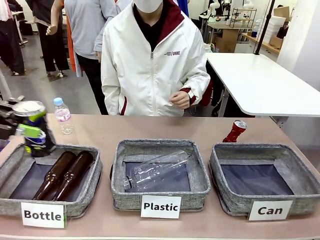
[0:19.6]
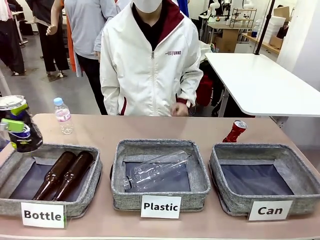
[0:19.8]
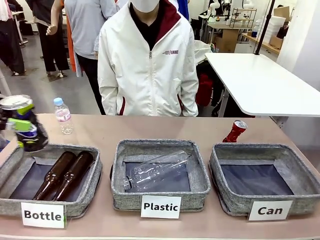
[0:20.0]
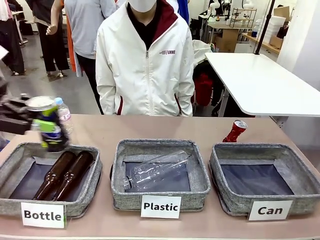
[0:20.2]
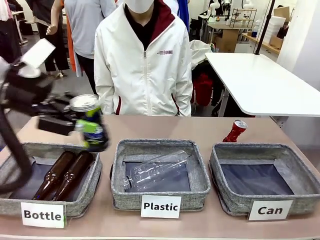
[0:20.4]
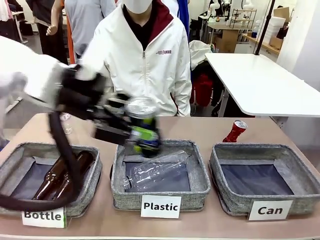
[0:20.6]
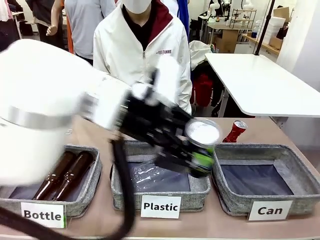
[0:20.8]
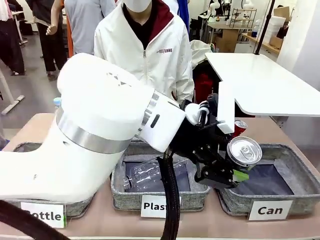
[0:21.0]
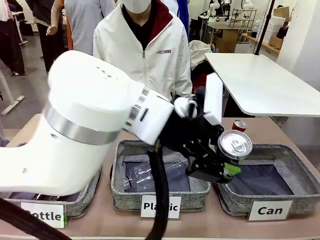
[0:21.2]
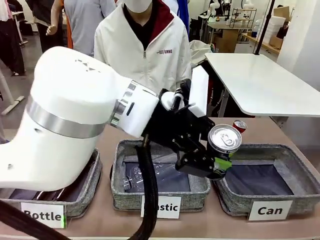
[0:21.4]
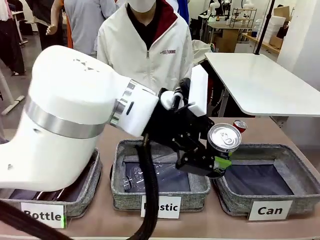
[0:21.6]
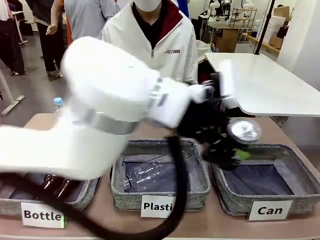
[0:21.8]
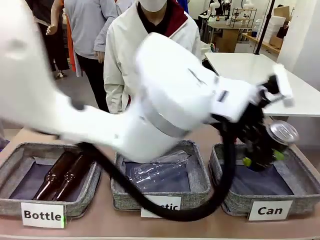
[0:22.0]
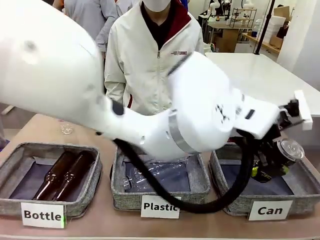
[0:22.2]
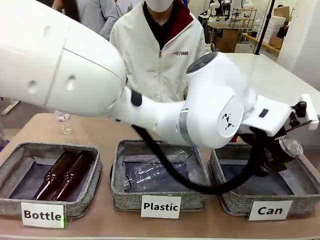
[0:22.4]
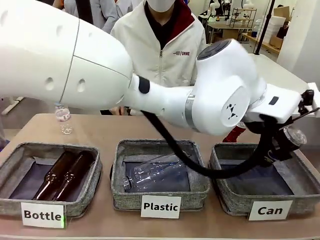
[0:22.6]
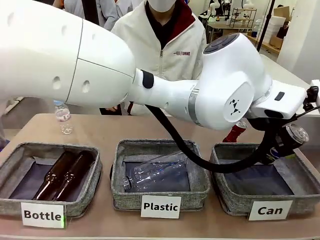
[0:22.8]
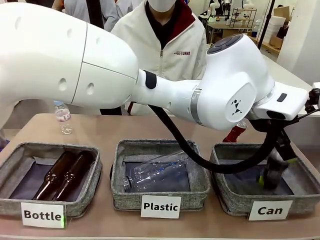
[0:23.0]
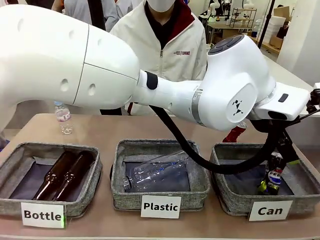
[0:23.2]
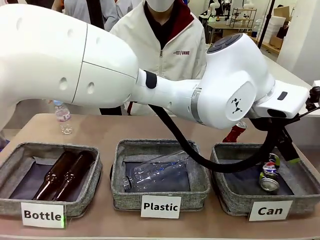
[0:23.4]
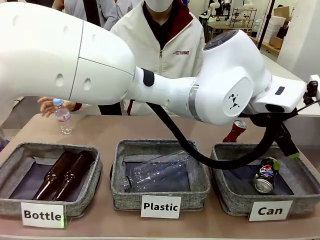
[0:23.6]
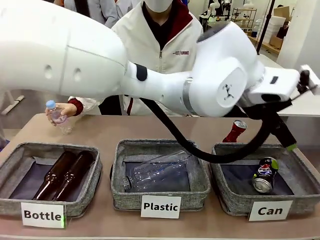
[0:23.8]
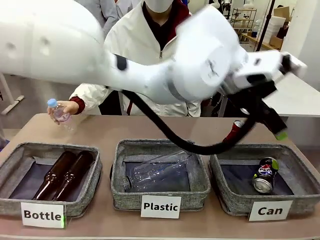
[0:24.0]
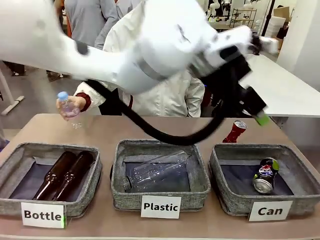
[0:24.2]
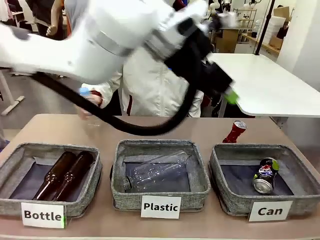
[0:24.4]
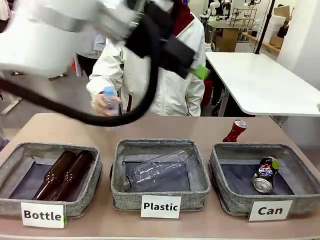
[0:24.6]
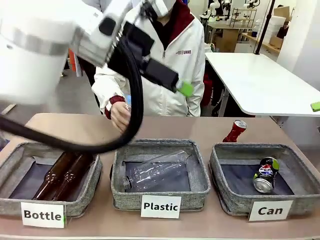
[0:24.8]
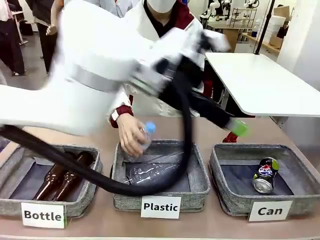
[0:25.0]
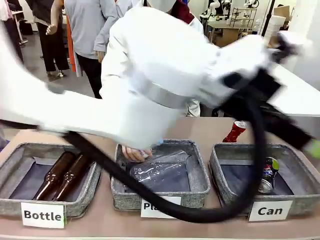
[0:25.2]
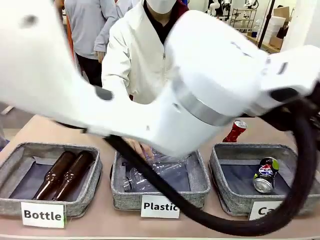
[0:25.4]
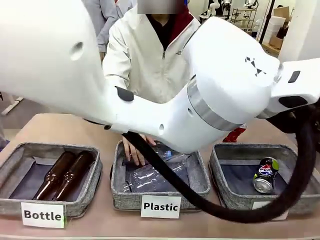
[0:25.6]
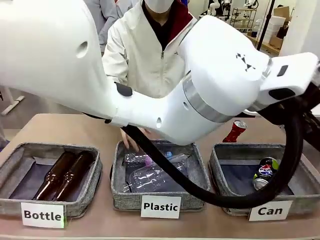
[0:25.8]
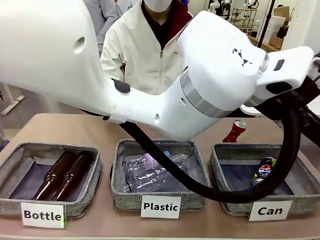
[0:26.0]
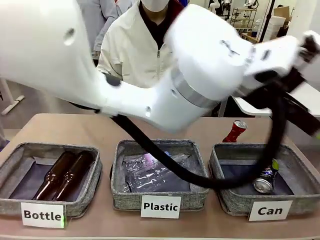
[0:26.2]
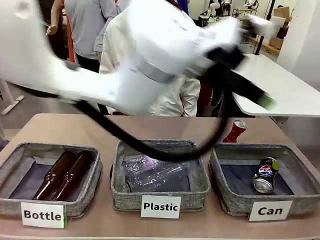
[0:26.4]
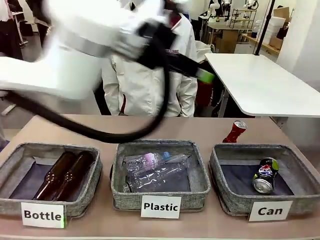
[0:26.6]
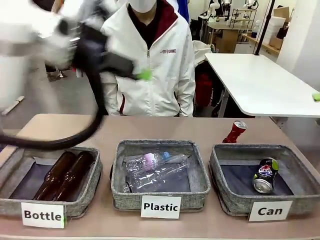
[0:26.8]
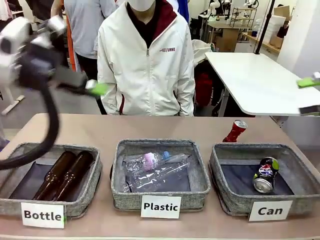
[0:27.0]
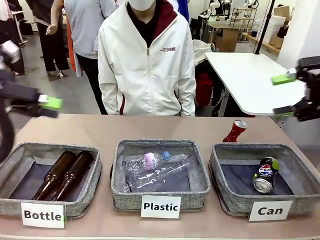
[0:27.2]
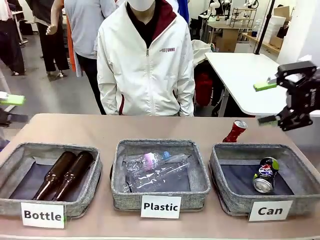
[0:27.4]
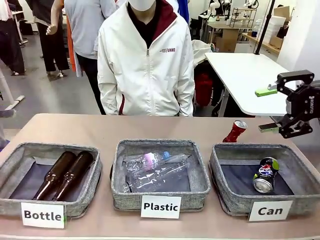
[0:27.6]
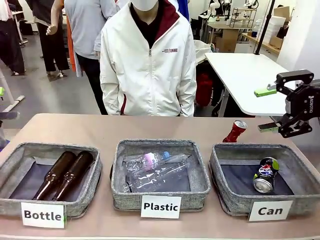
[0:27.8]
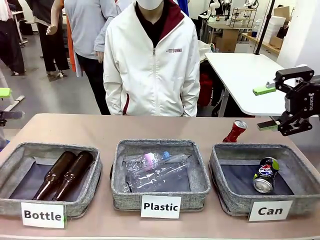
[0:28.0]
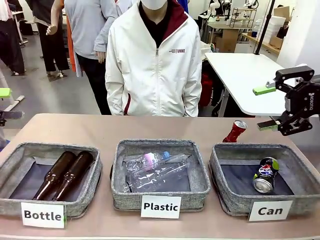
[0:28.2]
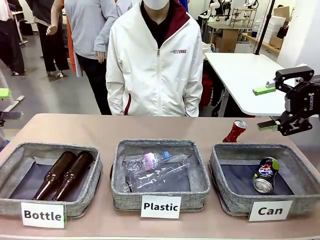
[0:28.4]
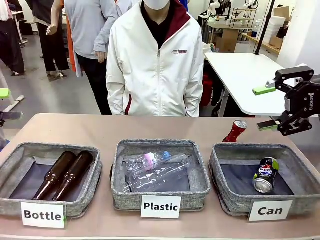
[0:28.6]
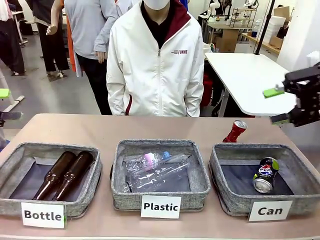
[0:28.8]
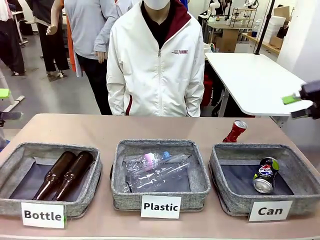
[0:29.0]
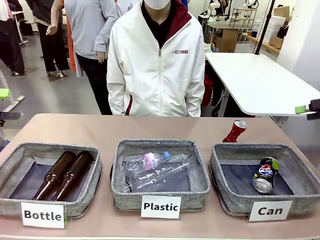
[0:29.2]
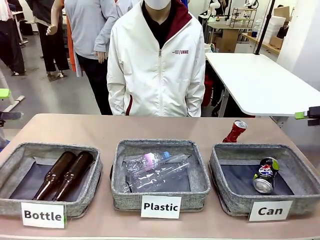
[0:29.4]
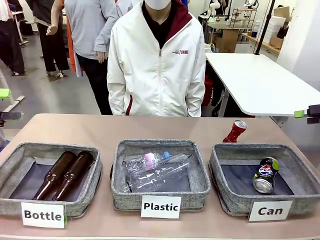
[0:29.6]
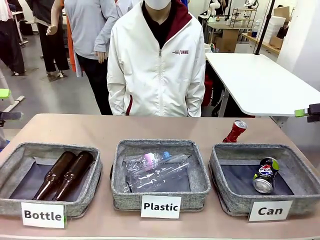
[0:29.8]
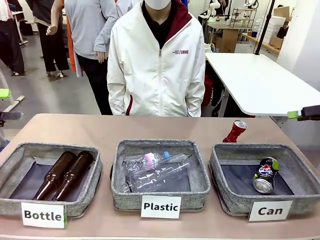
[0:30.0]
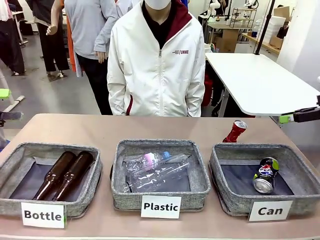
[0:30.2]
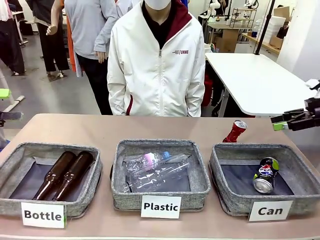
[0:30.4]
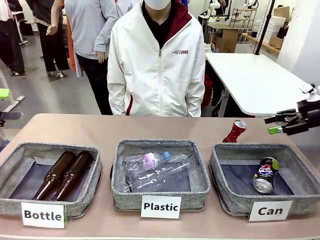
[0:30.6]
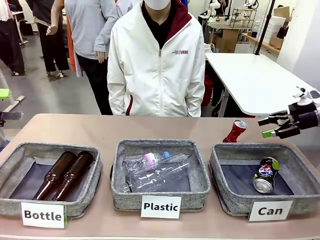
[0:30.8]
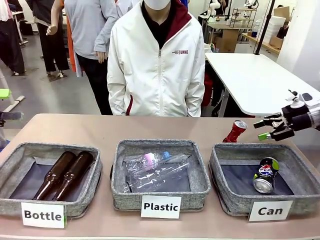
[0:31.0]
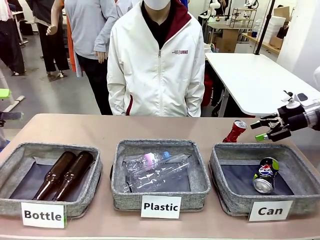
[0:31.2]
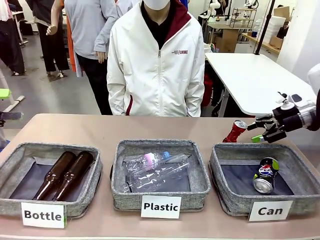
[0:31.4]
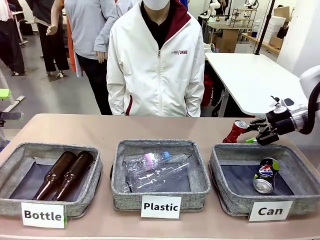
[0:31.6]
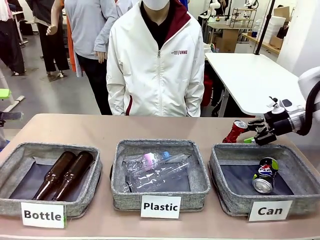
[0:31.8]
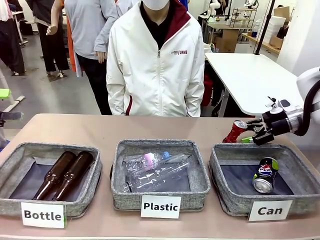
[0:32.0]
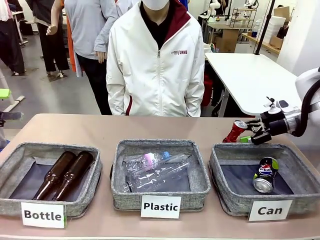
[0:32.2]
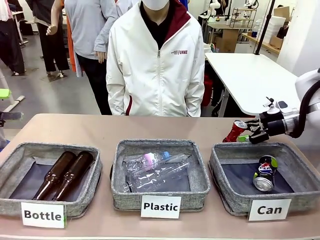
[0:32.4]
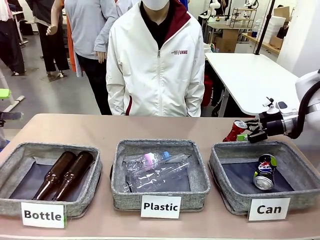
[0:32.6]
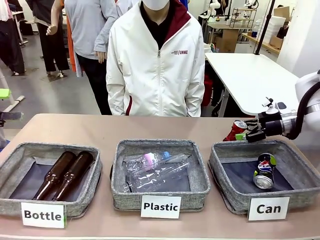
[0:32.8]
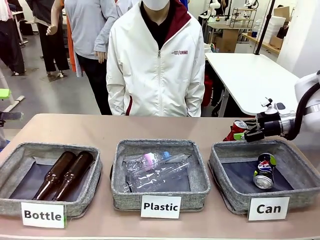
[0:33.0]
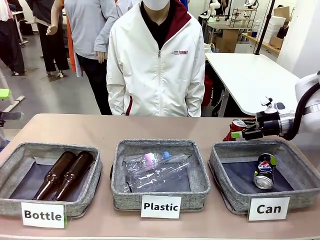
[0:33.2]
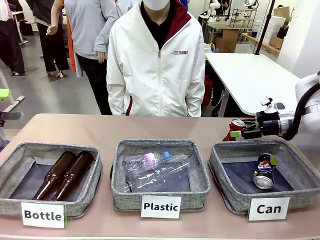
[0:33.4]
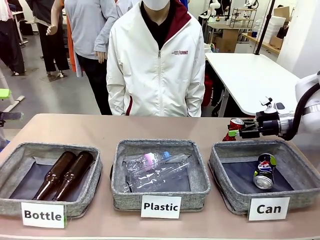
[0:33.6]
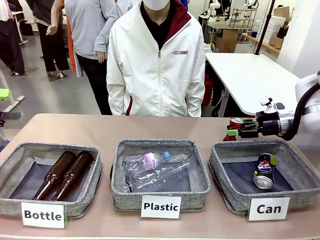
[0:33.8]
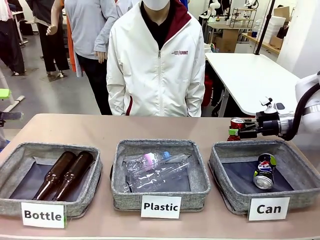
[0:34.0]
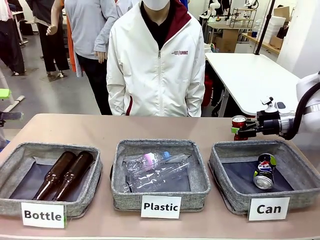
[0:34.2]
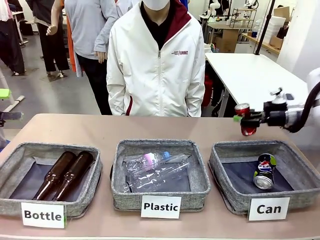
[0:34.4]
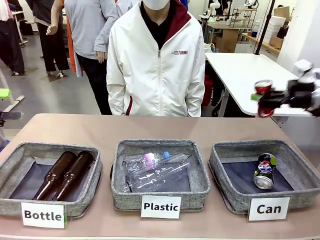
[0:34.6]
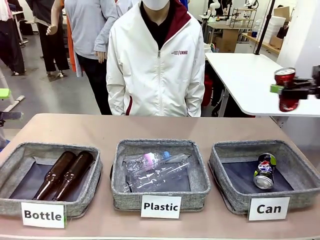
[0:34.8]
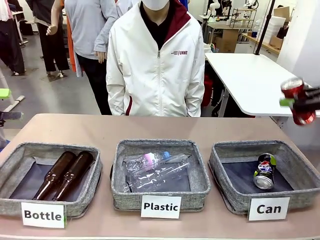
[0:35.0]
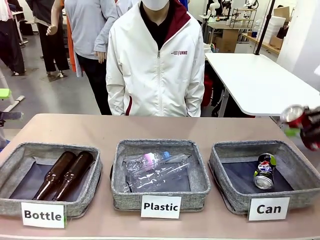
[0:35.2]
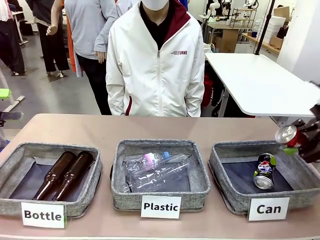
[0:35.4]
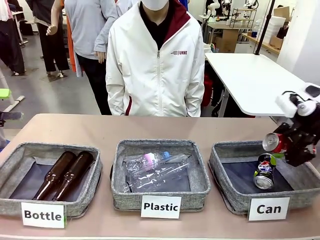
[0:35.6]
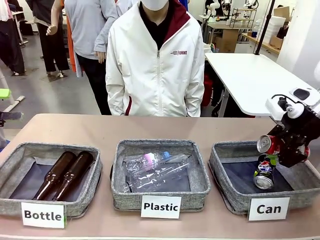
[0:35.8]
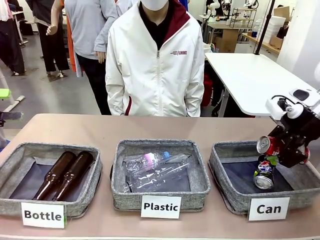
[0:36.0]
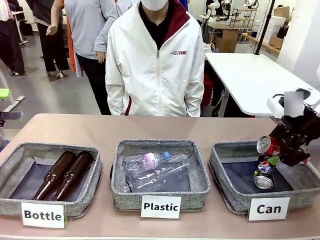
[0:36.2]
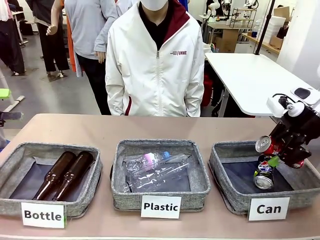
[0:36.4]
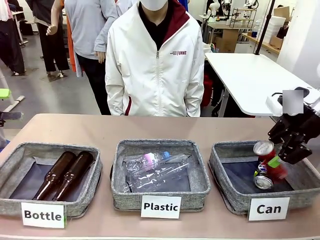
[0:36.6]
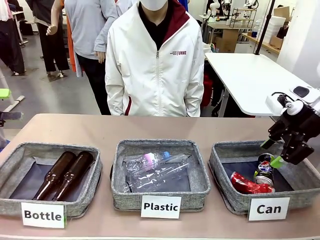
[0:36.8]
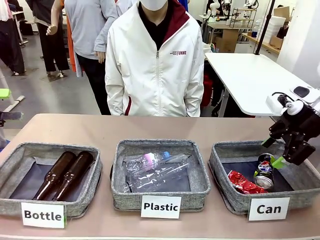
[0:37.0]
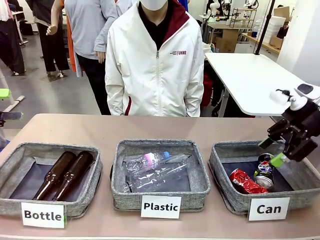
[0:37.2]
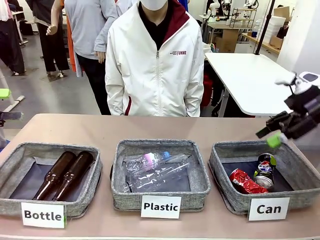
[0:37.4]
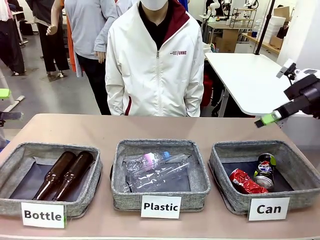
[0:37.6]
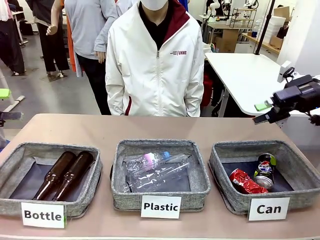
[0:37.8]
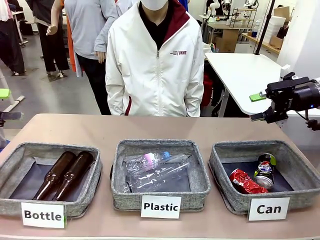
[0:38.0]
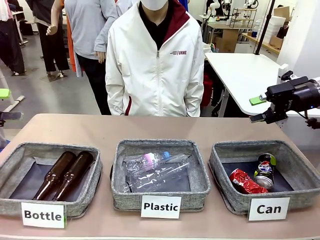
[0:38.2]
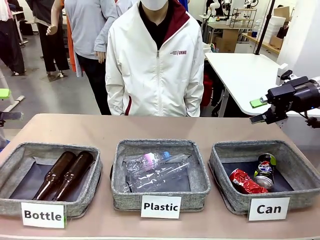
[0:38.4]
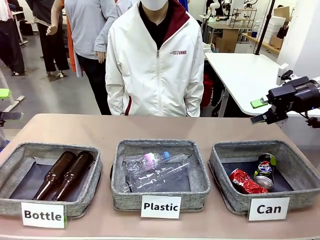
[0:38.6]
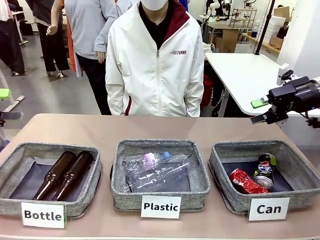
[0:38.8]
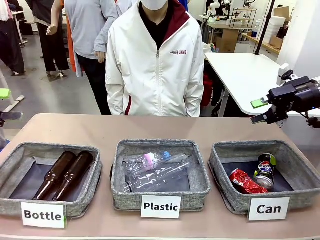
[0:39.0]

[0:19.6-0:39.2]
Task: Sort the can waste into the basket.
Robot: Pick up the can waste from the table and place it in the right Fabric basket.
